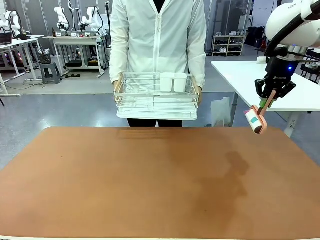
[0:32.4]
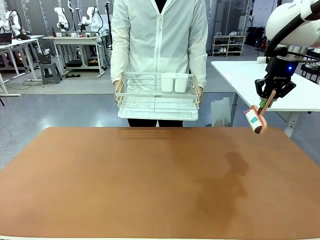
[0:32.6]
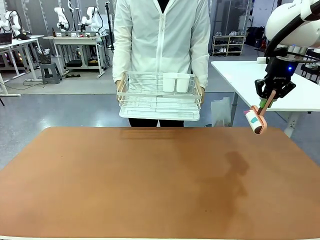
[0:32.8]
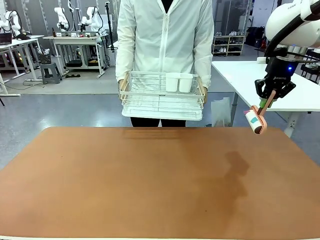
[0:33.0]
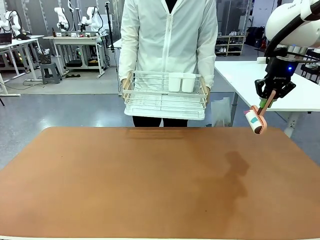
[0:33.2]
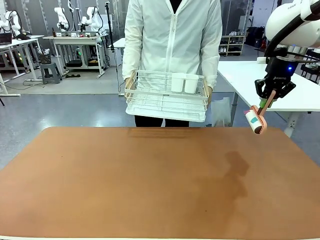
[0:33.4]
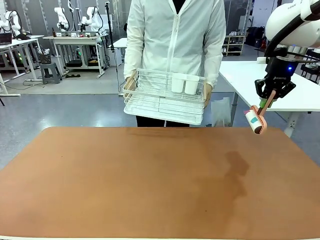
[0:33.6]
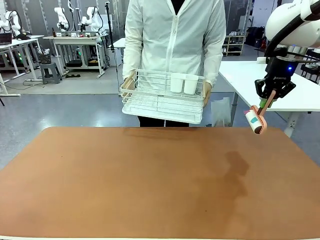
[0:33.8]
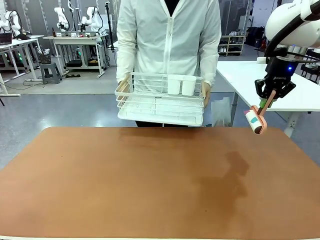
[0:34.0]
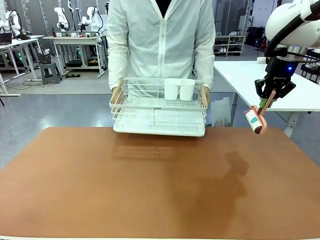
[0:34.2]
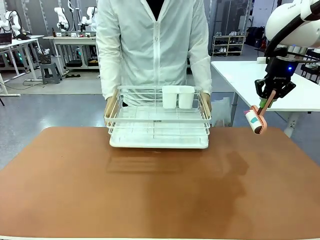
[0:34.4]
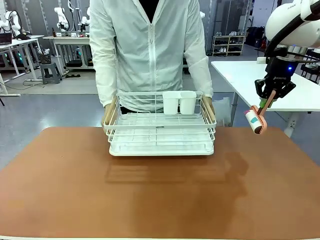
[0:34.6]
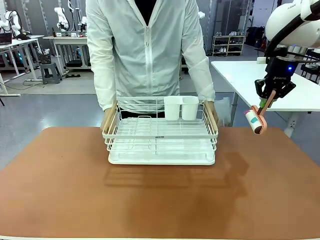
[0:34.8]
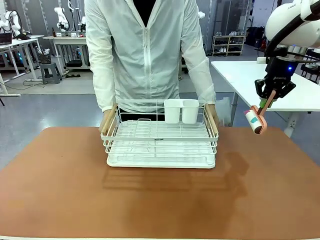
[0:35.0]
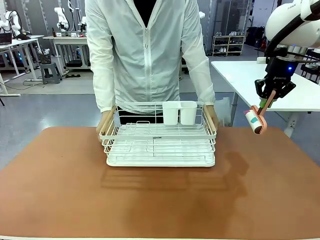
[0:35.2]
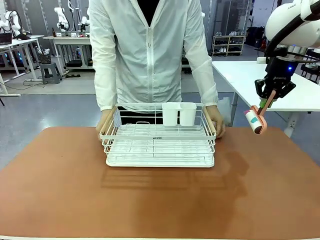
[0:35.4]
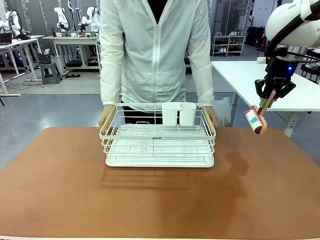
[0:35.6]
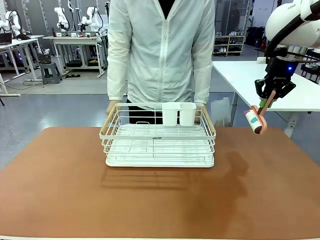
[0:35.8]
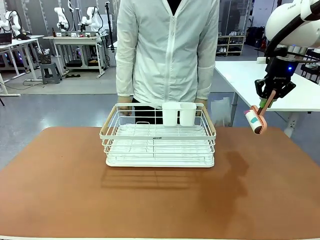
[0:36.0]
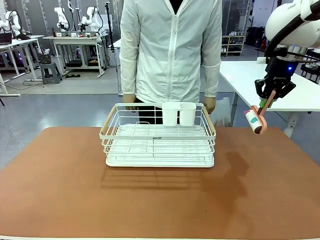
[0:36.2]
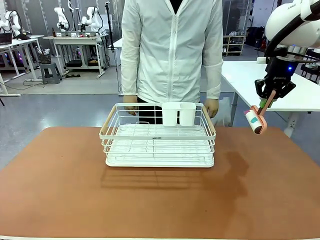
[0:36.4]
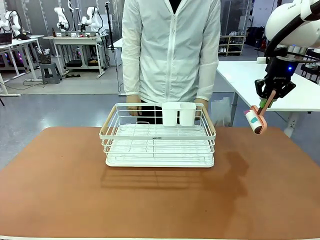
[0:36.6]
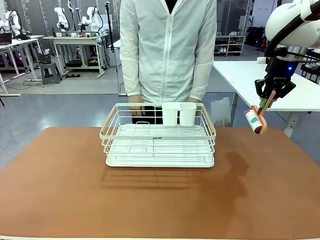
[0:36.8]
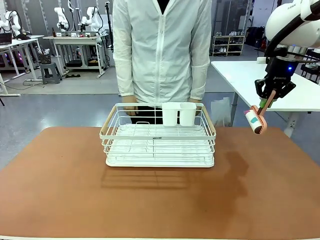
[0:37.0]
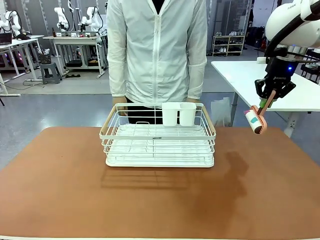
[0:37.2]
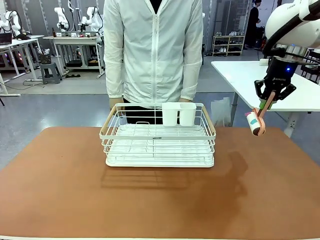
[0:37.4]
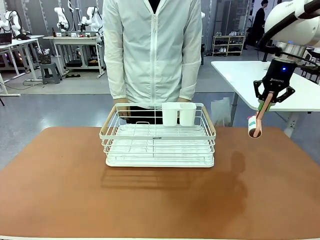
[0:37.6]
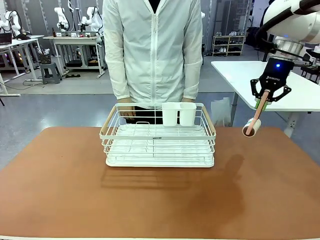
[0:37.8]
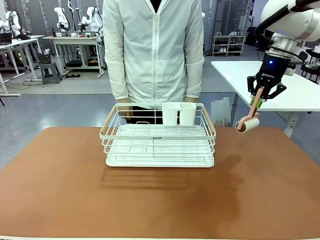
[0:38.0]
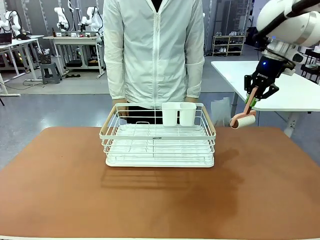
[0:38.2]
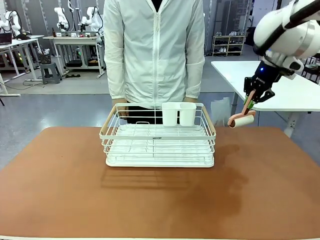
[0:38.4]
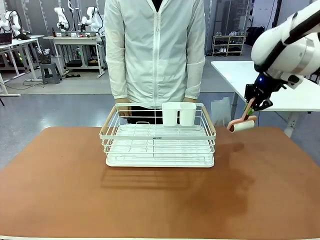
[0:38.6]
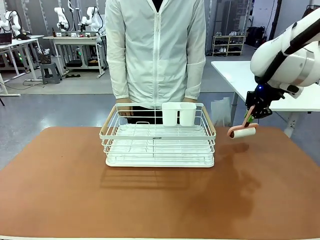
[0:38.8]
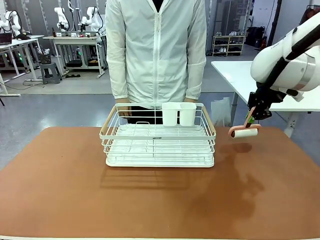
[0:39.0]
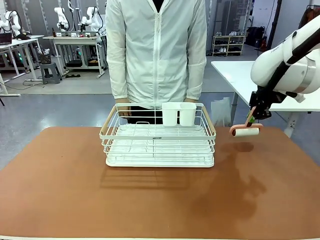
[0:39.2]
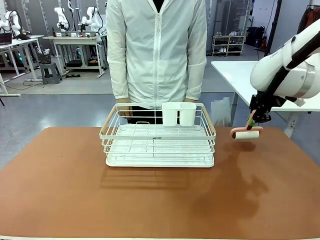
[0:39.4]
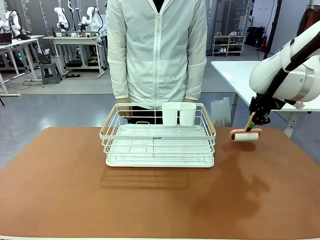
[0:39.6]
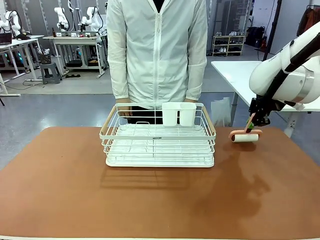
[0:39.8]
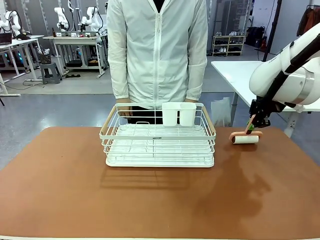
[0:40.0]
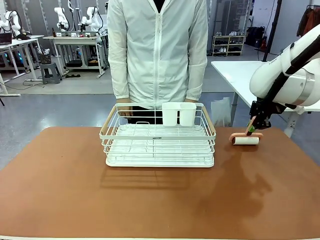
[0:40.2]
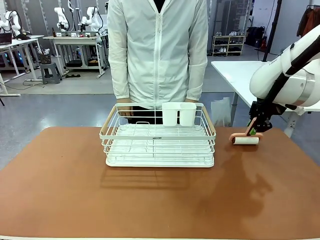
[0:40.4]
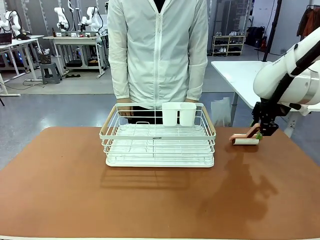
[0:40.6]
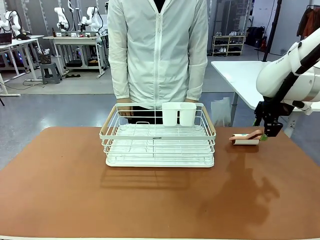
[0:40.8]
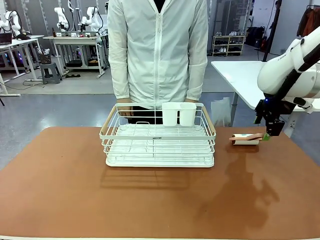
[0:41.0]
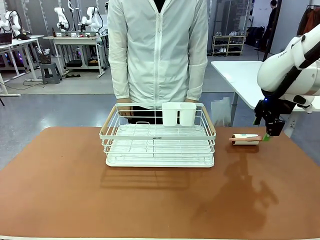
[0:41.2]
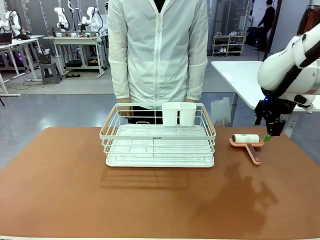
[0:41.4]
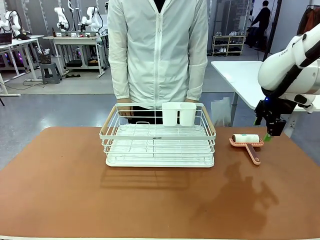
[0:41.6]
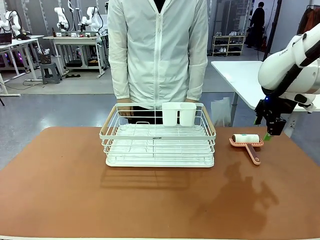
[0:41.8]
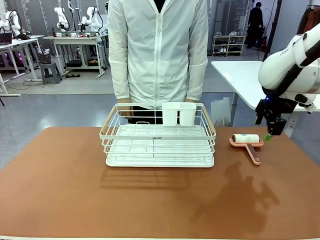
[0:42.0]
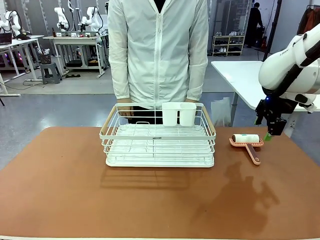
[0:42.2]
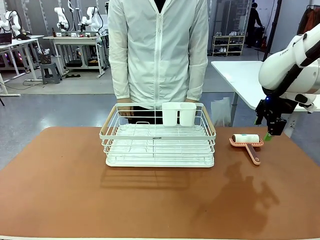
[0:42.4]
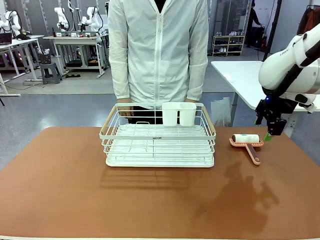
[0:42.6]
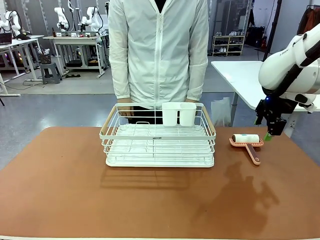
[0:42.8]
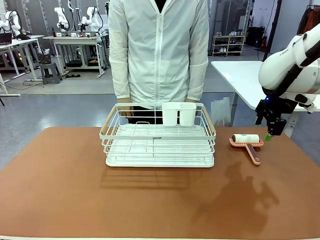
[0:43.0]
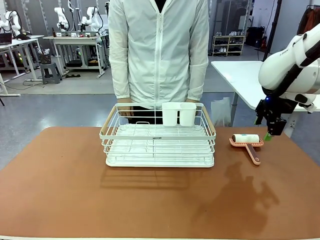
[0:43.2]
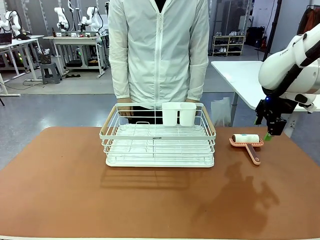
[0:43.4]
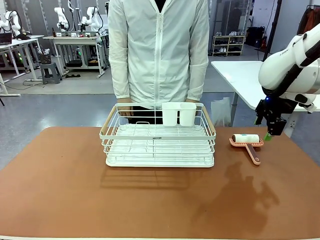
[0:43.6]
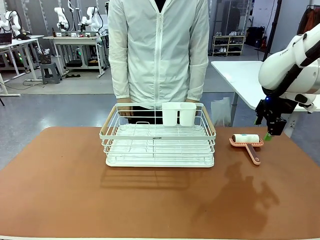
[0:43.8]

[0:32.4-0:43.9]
Task: Clean the table.
Robot: Place the Lint Roller down when the Dish drying rack is positioned in the middle of the table.

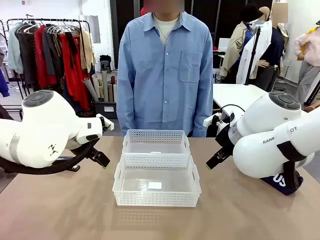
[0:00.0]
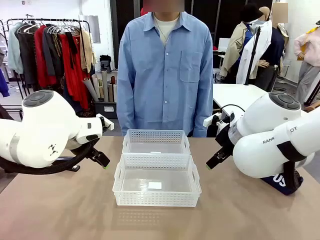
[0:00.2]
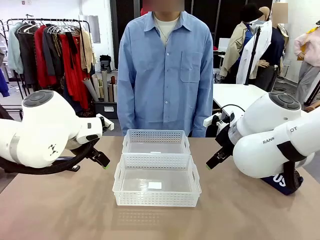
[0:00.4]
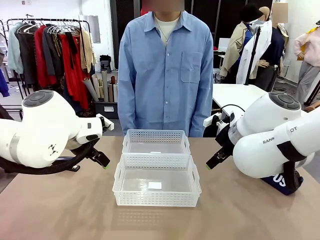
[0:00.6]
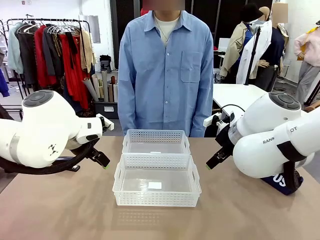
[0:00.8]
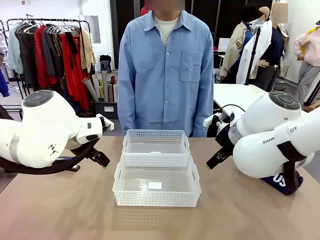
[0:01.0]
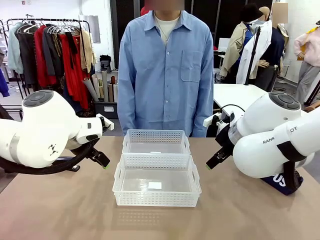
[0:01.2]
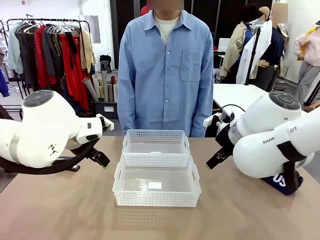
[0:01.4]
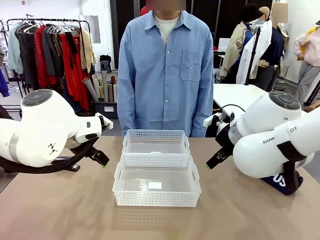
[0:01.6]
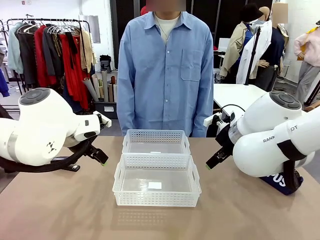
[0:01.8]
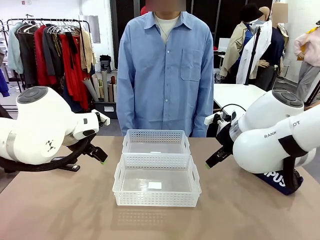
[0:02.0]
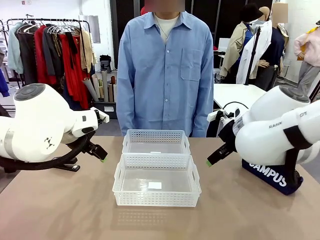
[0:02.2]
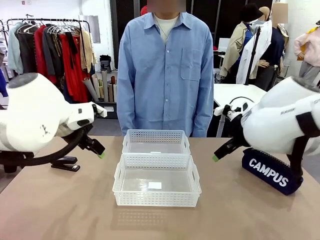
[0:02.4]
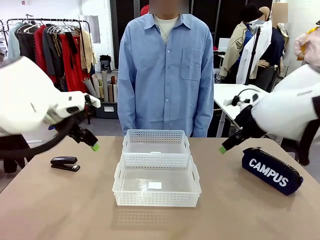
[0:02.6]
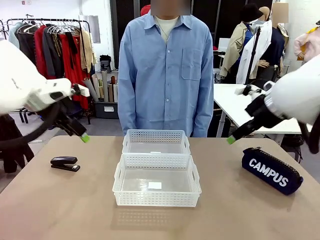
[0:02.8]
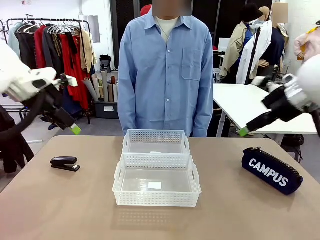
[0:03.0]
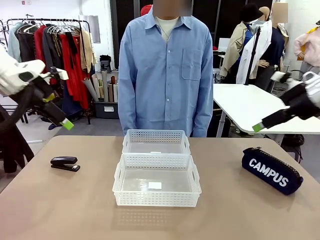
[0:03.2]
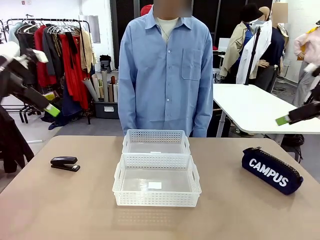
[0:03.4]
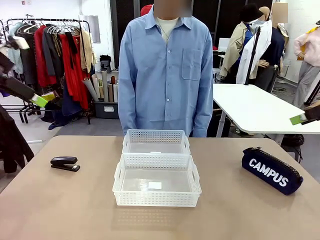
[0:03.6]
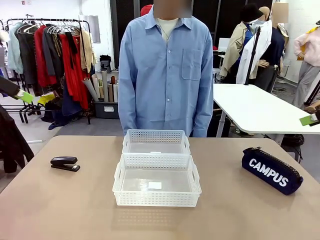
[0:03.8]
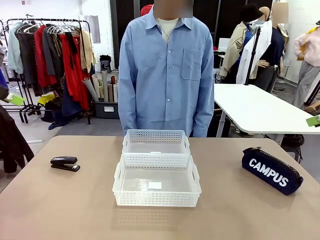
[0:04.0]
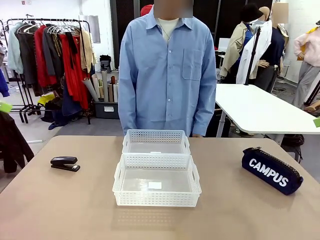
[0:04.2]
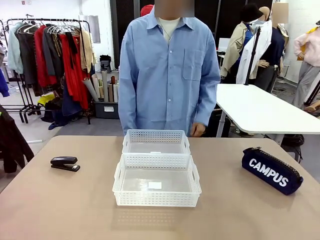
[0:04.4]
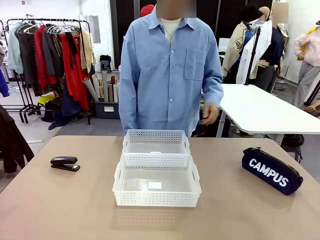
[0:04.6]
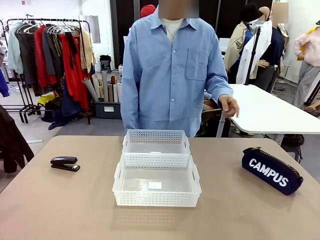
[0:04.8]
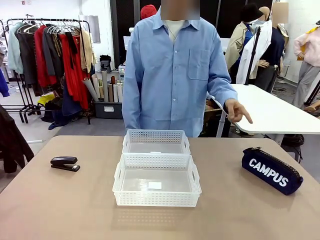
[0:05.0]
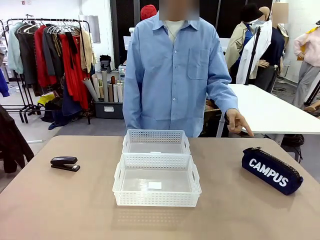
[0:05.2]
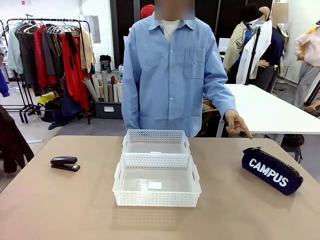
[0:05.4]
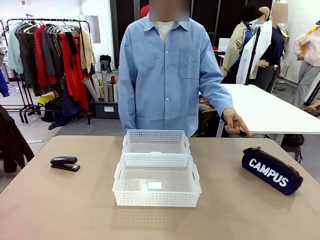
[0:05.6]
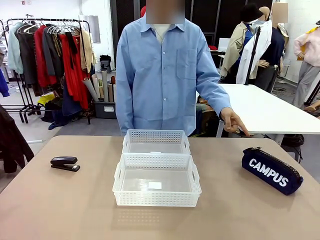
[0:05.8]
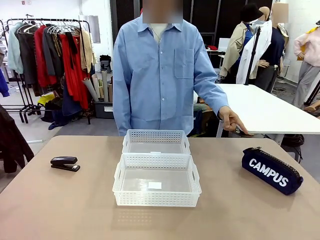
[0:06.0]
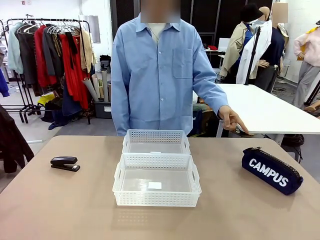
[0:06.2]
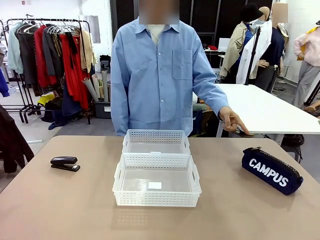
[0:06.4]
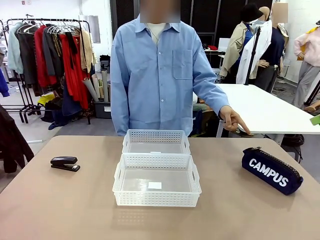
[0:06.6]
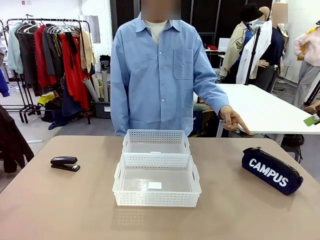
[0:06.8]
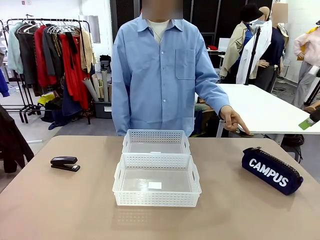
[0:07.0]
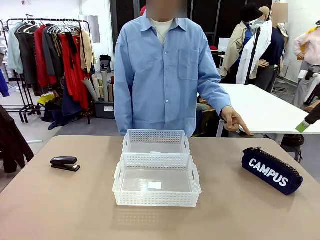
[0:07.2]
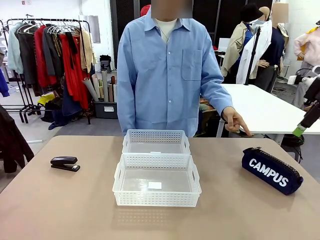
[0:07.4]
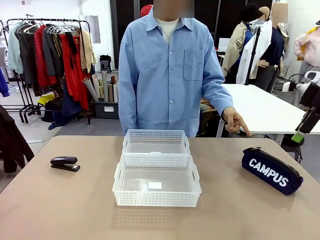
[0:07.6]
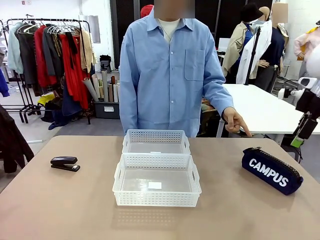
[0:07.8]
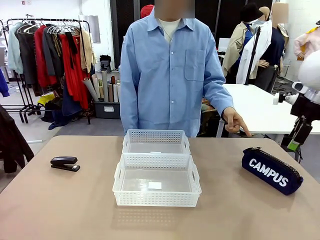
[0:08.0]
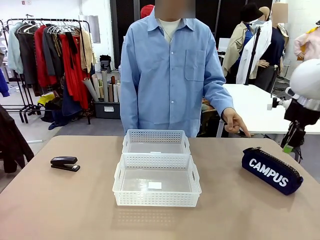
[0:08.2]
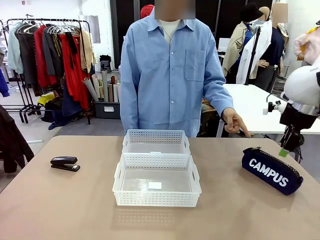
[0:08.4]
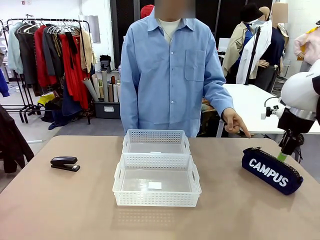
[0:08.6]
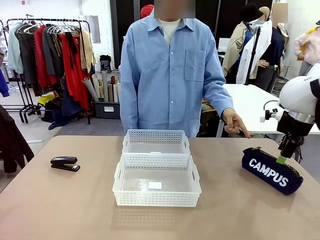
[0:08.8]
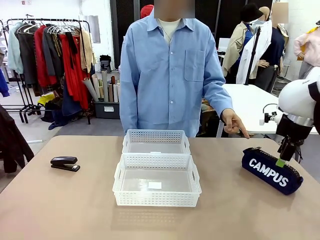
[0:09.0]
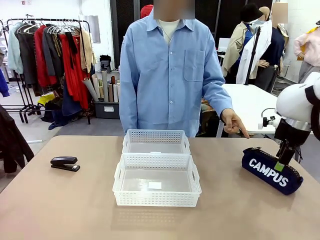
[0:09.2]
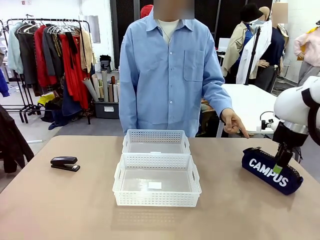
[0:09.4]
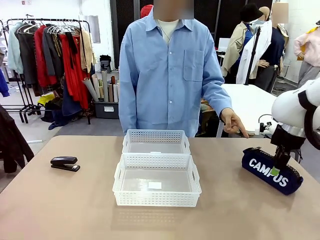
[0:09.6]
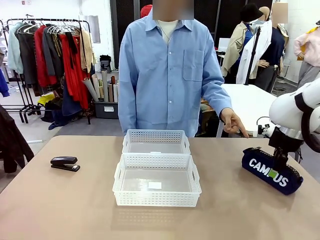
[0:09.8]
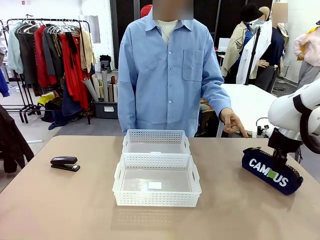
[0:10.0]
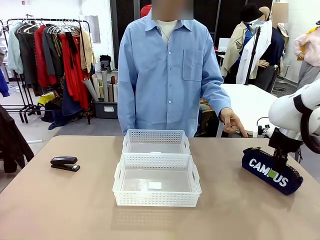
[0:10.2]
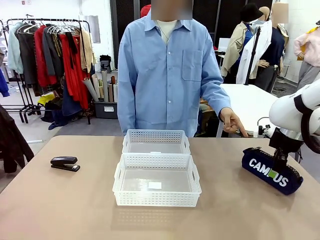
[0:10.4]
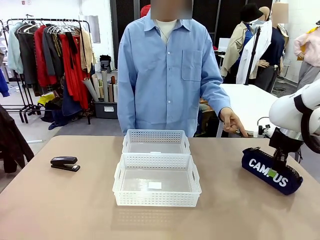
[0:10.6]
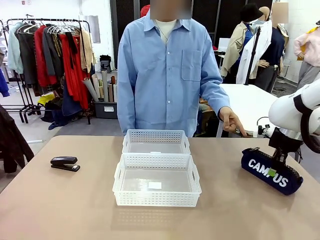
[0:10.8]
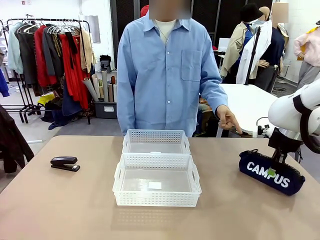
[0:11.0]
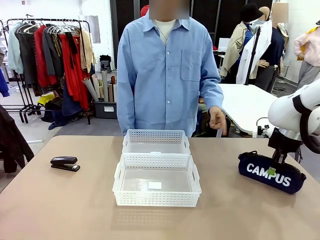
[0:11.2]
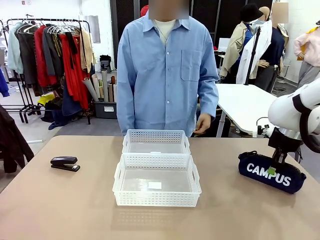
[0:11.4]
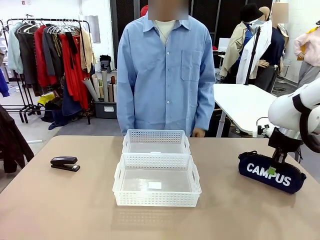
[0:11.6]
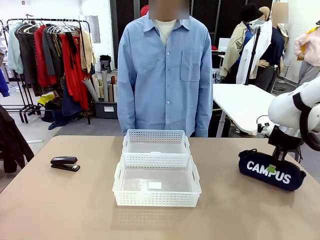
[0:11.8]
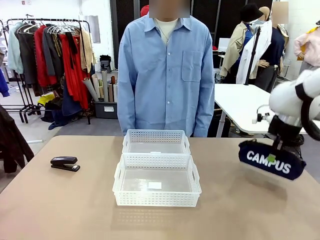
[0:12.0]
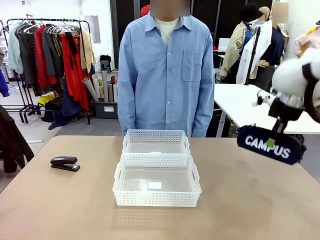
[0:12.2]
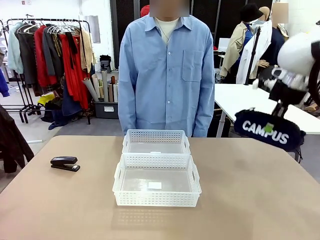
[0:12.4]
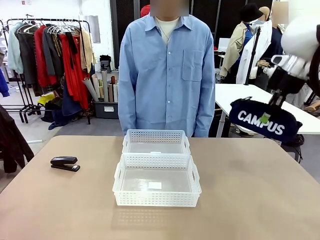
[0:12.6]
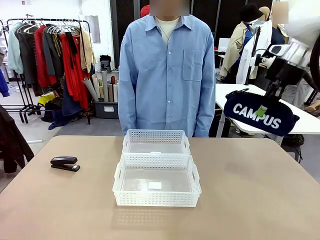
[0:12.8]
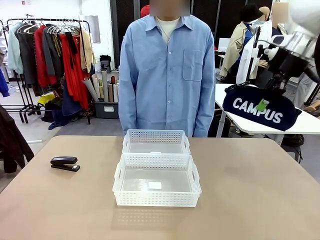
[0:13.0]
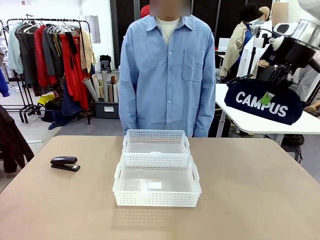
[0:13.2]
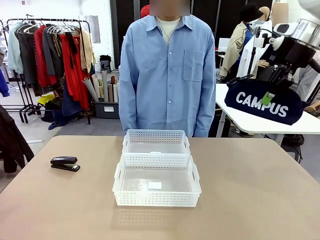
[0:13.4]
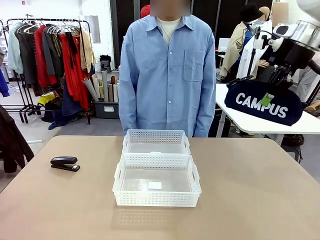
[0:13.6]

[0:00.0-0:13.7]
Task: Distribute items into two baskets.
Robot: Pick up the Pencil pouch that the person points to.
Person: Points to the pencil case. Points between the two organizing baskets and instructs the robot to move the pencil case.
